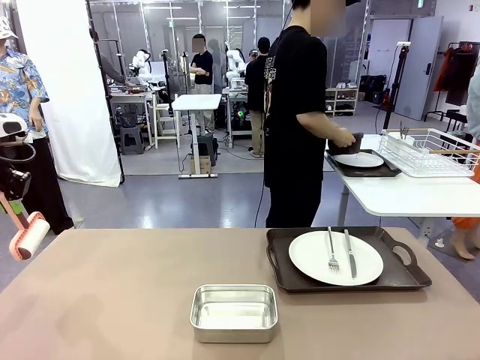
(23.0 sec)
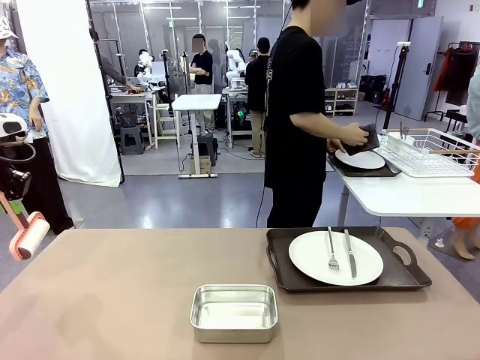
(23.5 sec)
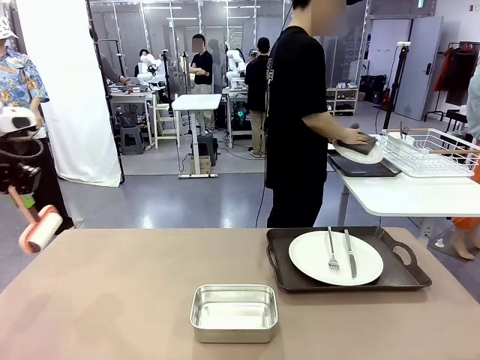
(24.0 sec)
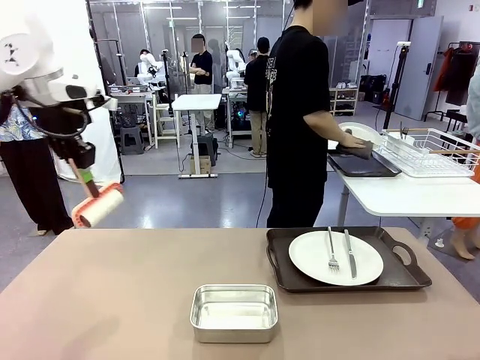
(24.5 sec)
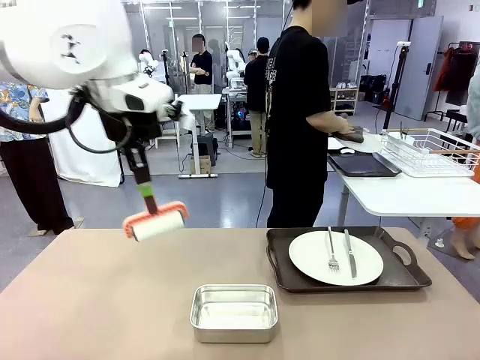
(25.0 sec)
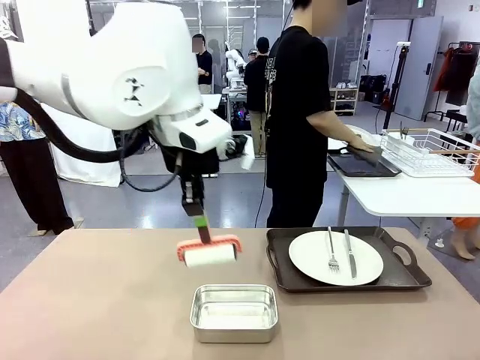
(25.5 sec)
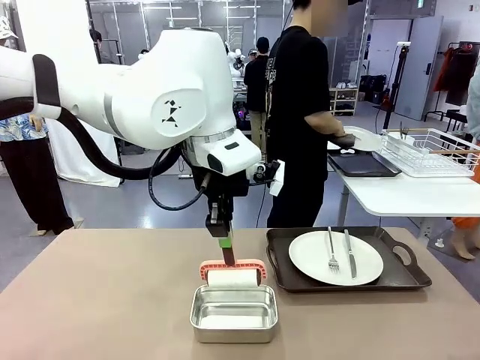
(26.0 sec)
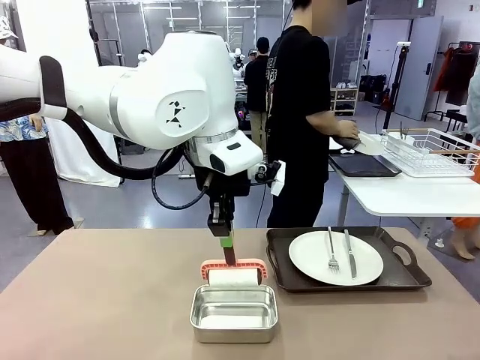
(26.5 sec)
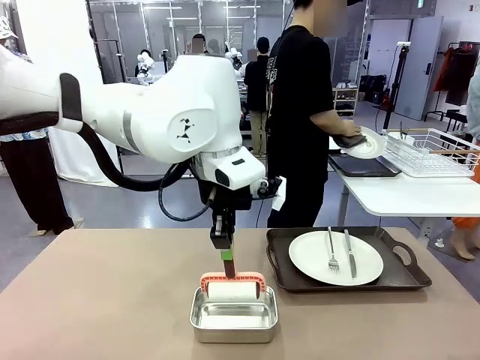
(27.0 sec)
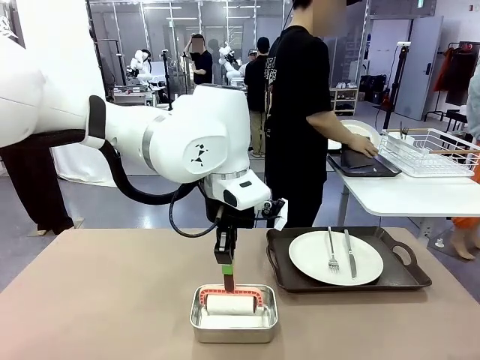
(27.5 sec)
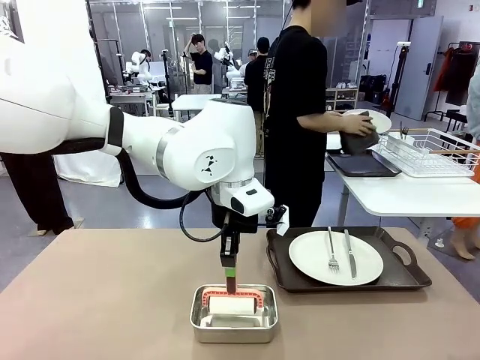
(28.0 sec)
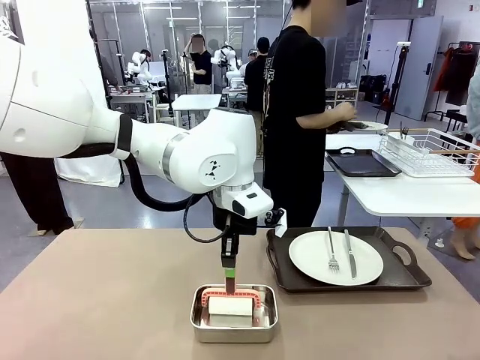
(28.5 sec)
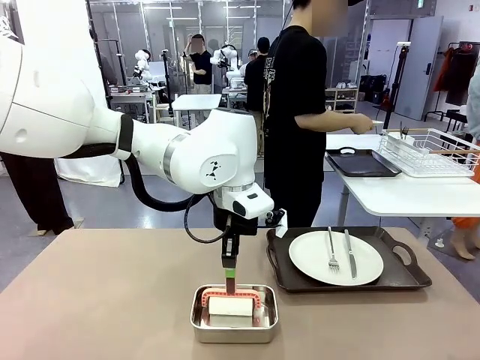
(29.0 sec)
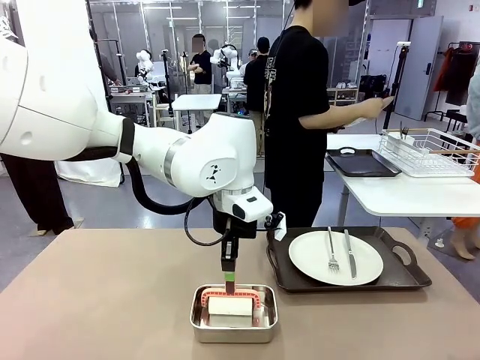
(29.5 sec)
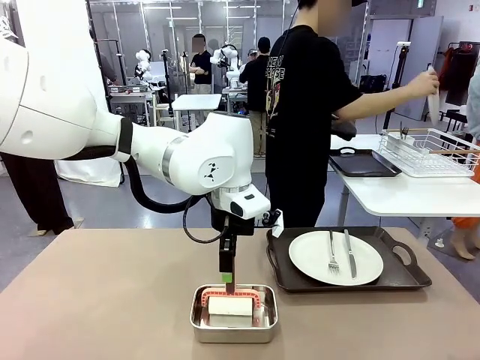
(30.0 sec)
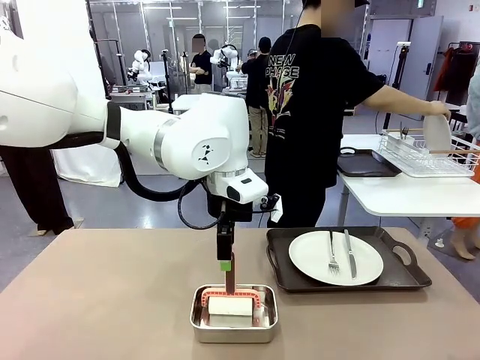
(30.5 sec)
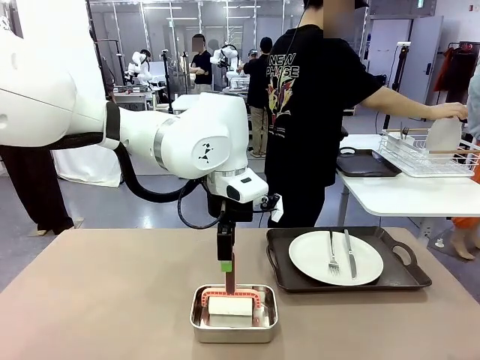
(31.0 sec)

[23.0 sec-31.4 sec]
Robot: Place the Lint Roller back on top of the Airtight Container.

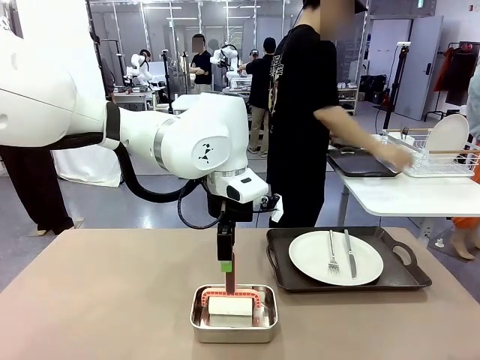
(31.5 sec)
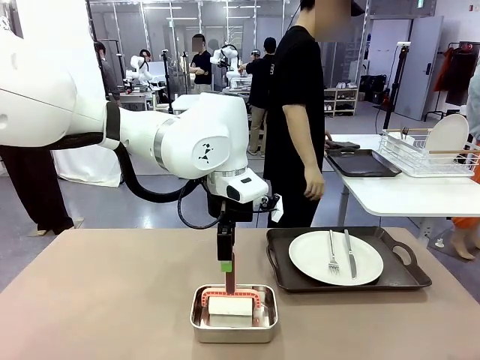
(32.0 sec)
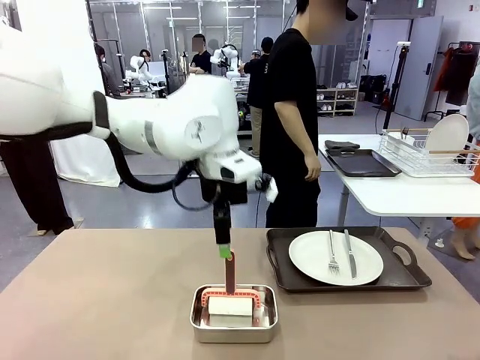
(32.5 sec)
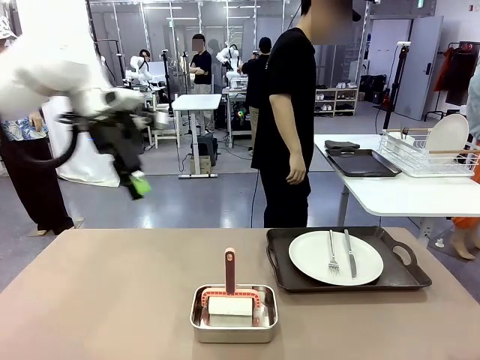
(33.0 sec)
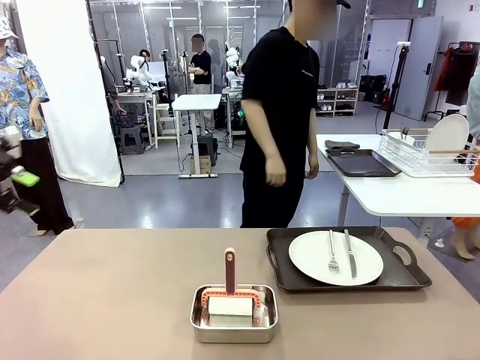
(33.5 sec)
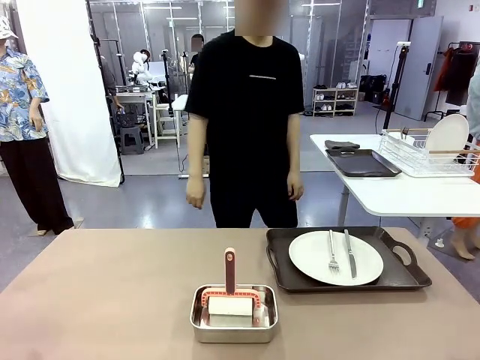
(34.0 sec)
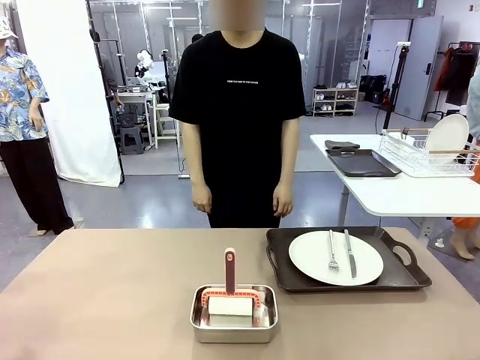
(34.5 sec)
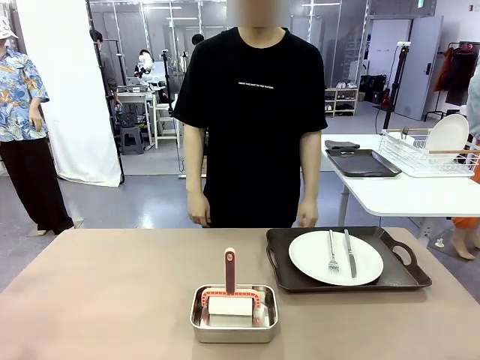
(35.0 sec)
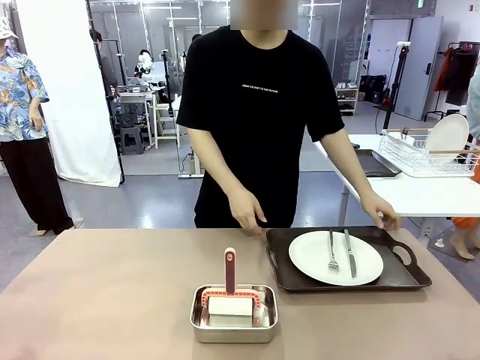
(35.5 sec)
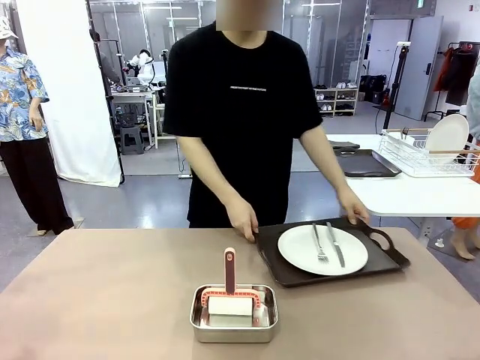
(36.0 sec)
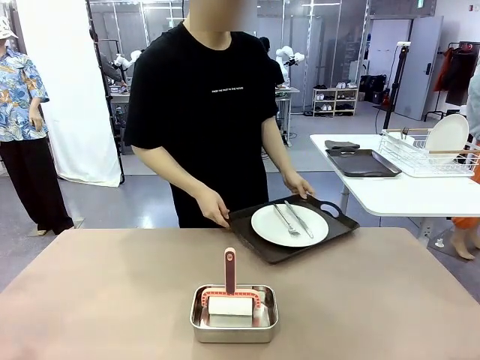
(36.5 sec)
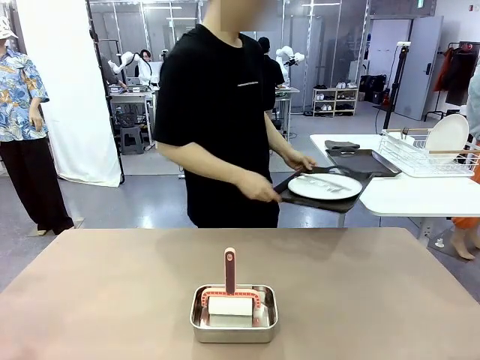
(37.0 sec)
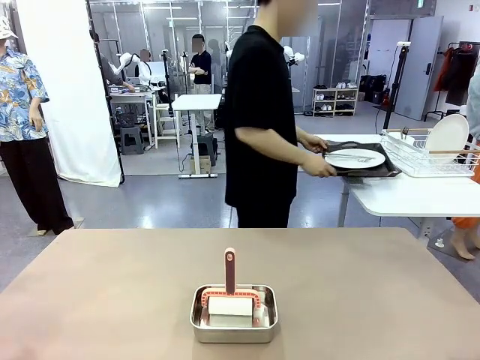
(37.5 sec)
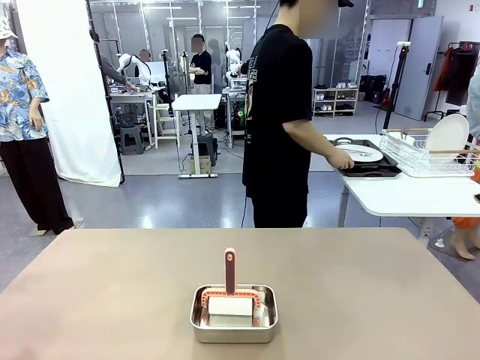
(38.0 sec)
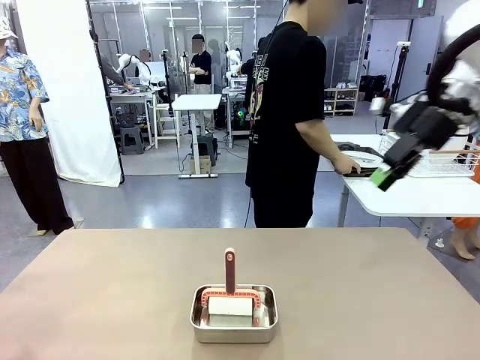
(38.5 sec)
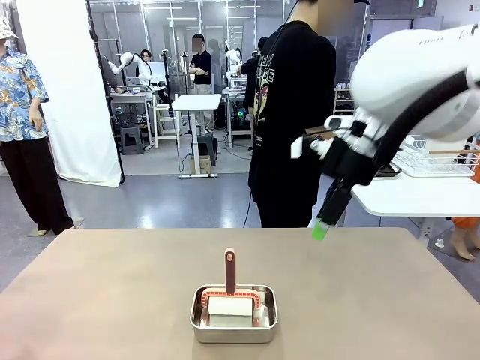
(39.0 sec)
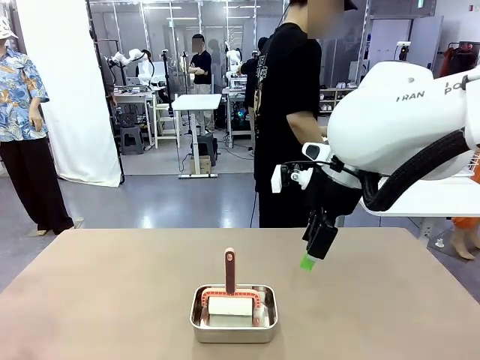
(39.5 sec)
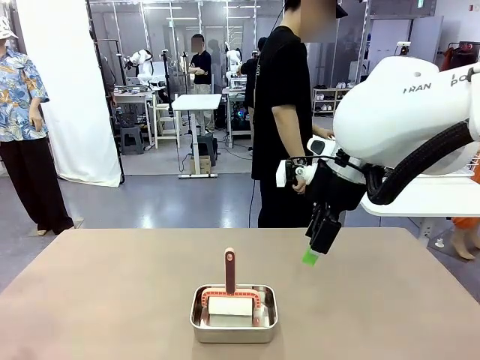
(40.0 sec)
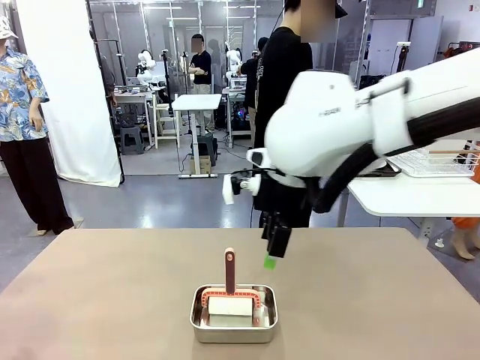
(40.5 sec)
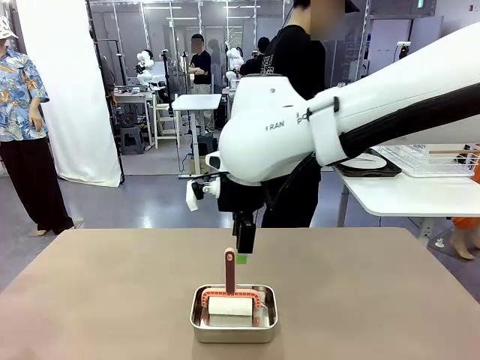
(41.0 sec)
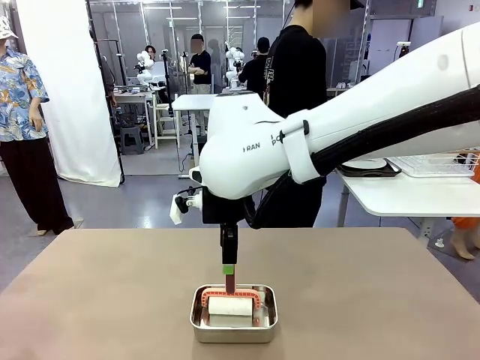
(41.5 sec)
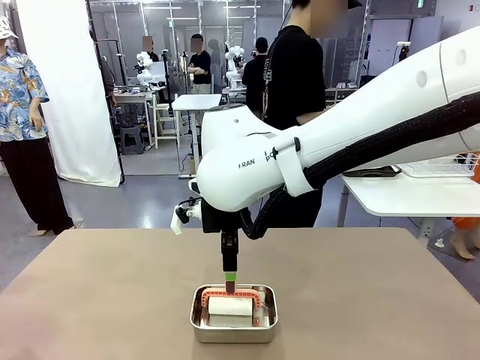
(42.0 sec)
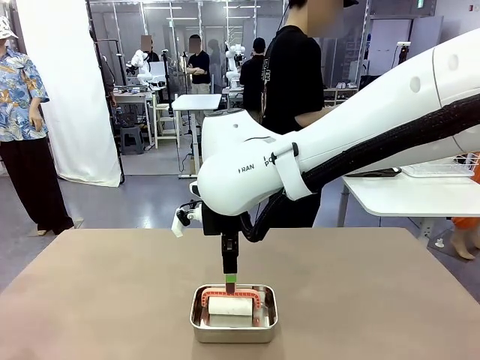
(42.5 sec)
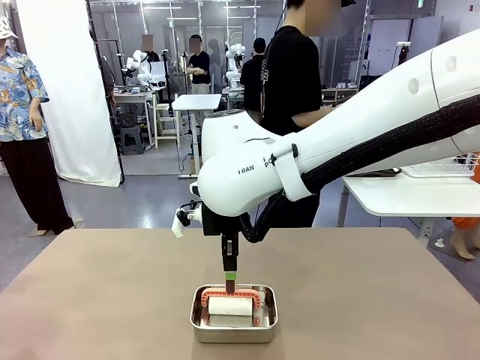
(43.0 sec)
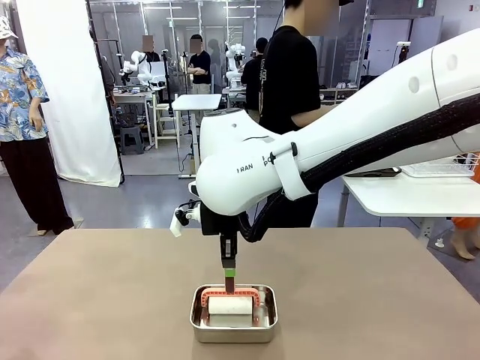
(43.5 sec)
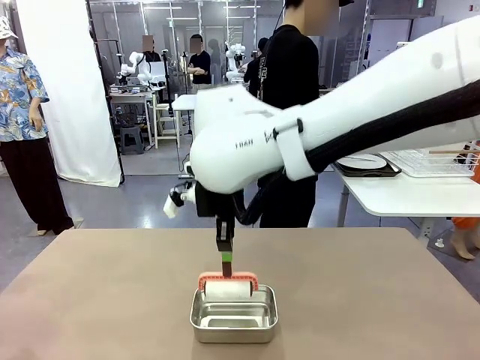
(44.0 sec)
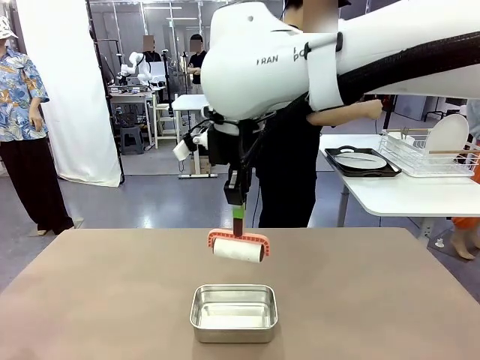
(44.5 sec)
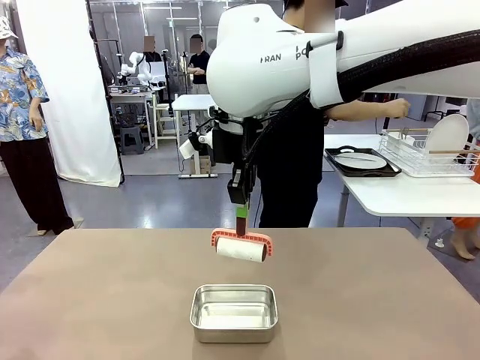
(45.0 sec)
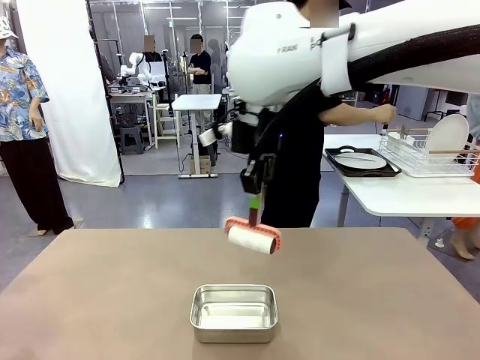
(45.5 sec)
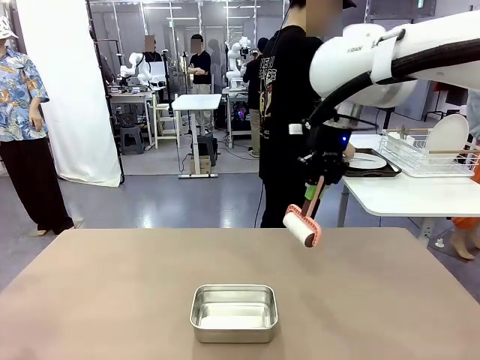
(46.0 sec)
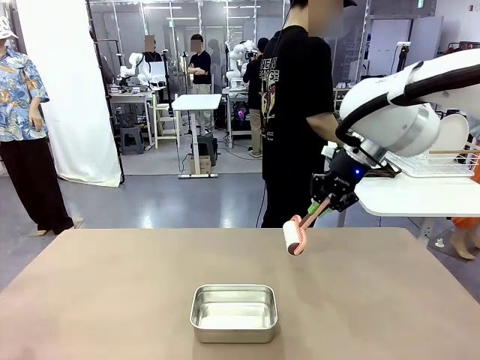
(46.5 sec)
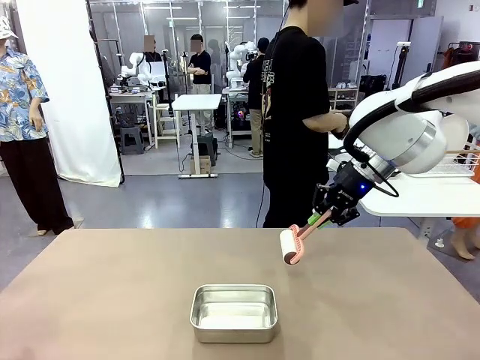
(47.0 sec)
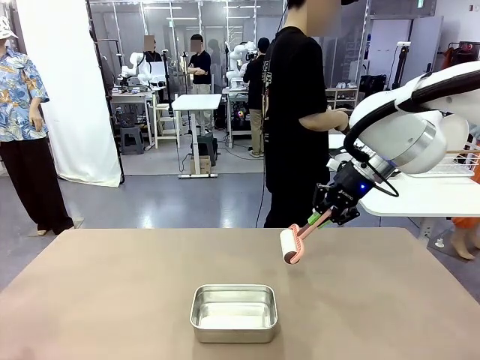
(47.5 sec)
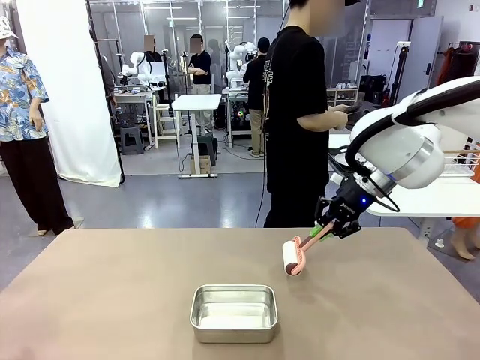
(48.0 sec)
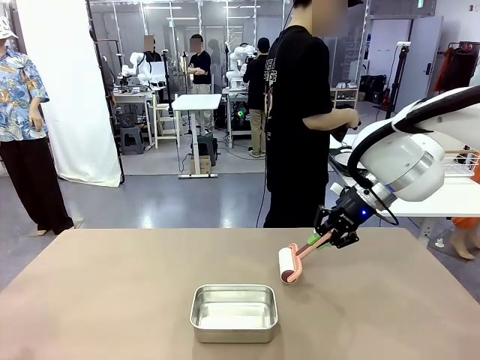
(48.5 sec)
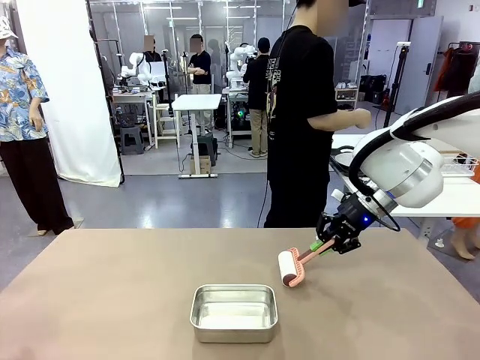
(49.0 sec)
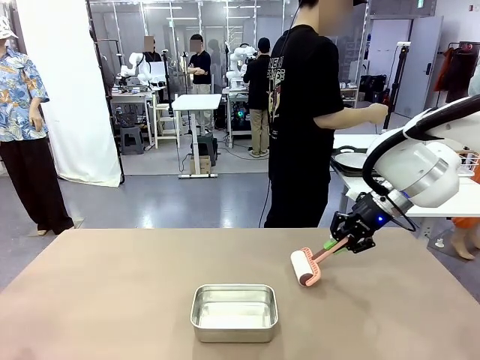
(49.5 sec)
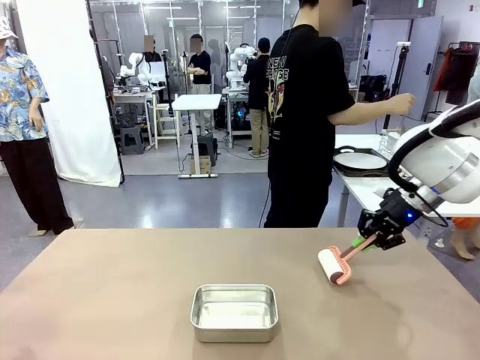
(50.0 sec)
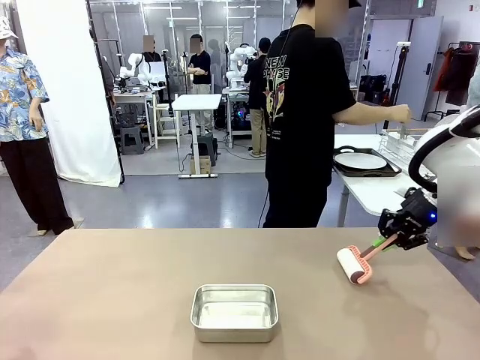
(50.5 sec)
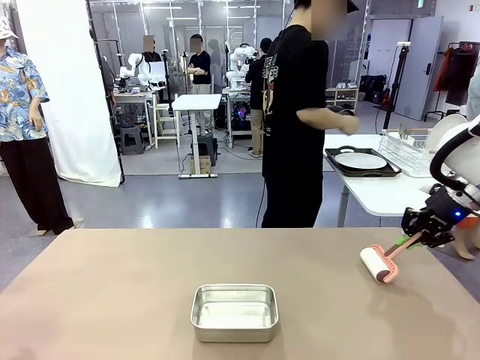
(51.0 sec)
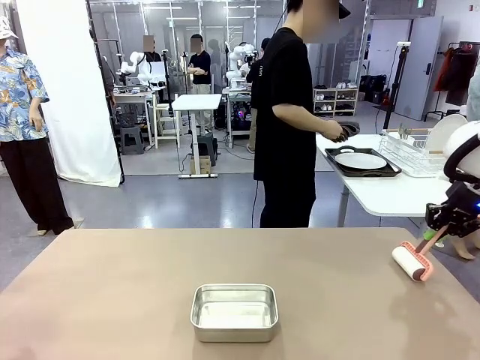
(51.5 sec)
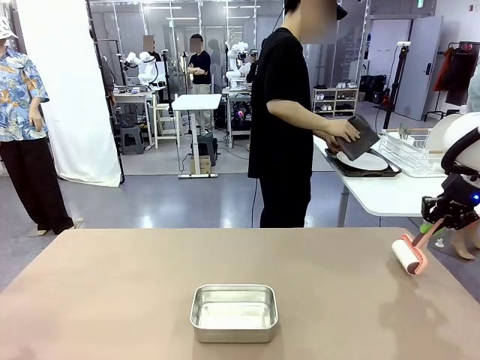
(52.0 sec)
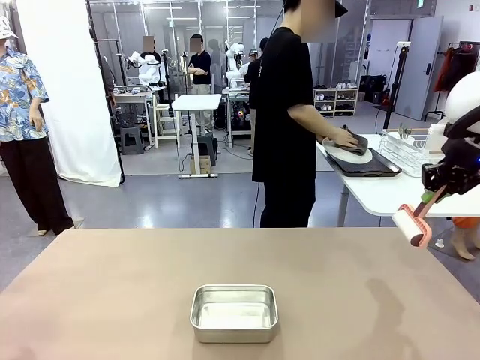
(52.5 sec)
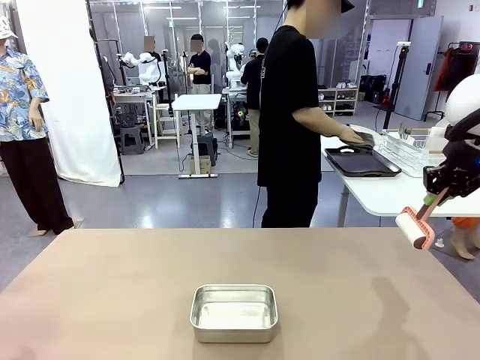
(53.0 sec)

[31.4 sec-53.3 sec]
Robot: When the right (or left) Handle tray is removed, use the right hand (or left hand) to clean the right (or left) side of the table with the Lint Roller.
Person: Pick up the left (or right) Handle tray and place it on the Handle tray. Use the Towel with hook to wipe the Plastic Matte Plate , Fork , and Knife and place into the Dish drying rack.
